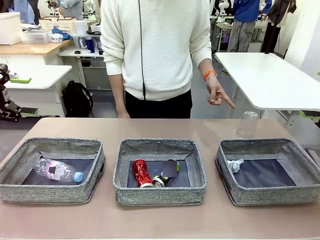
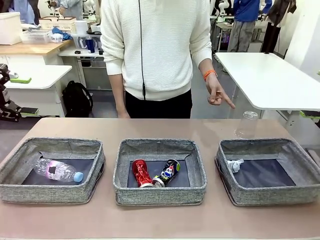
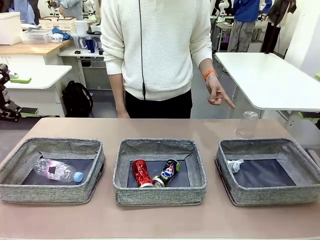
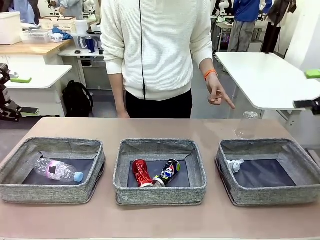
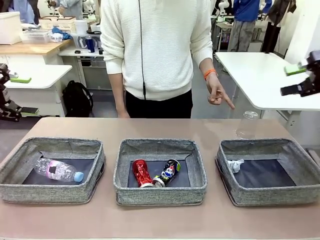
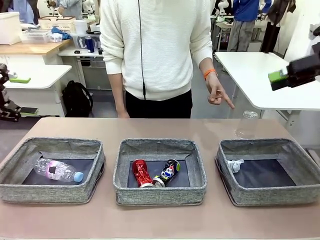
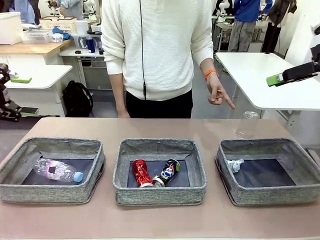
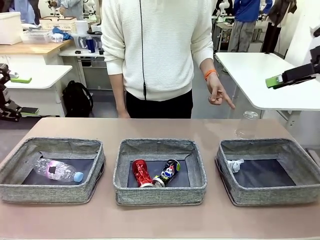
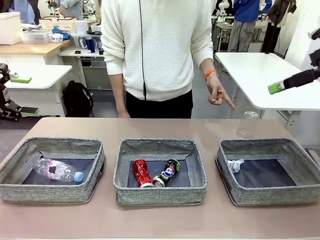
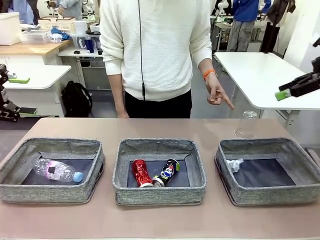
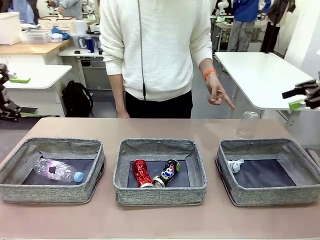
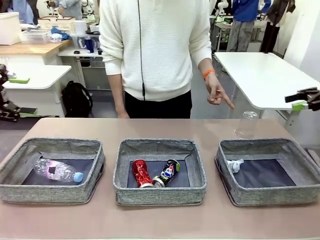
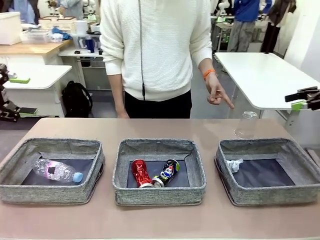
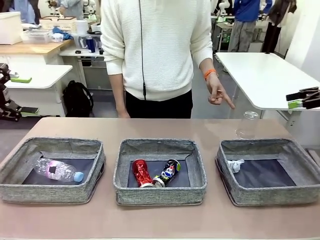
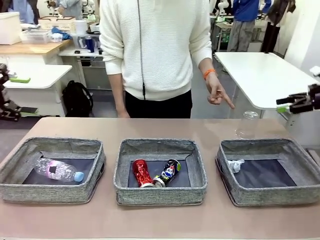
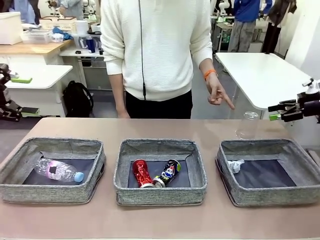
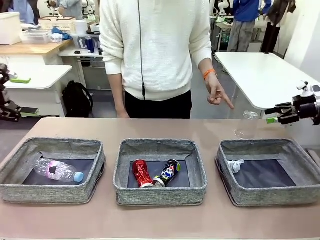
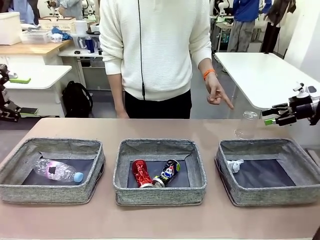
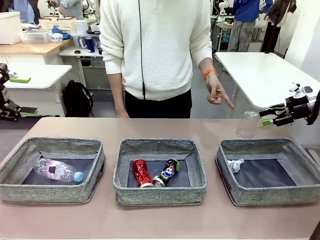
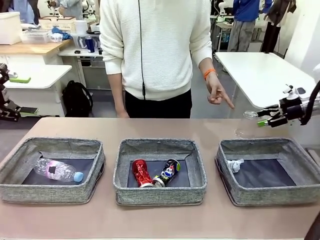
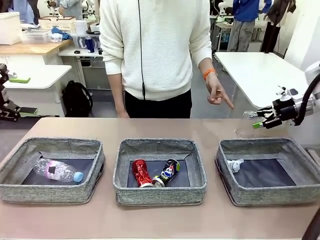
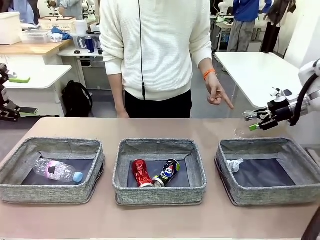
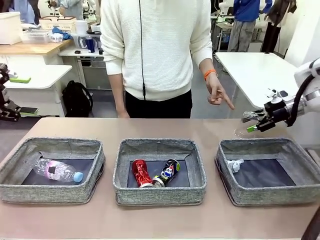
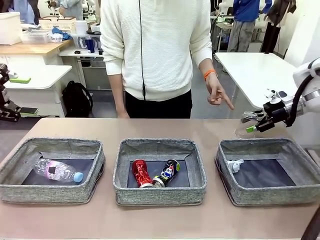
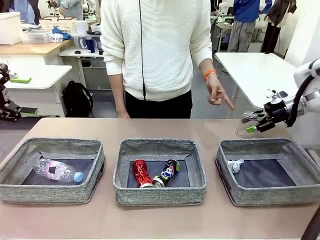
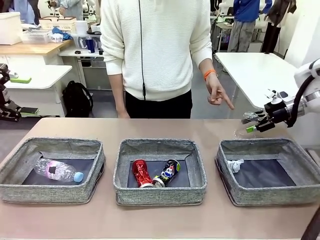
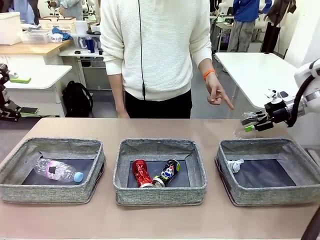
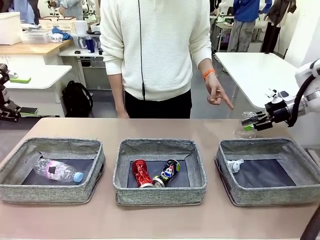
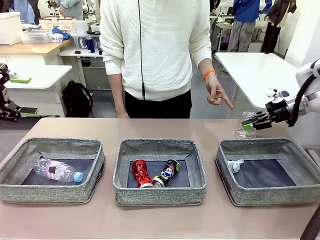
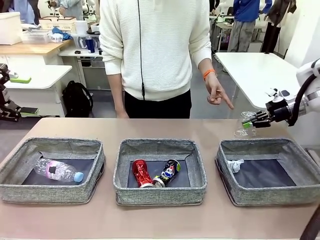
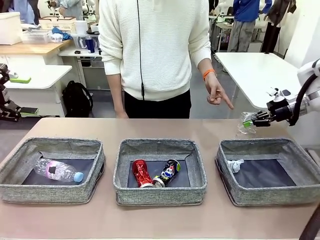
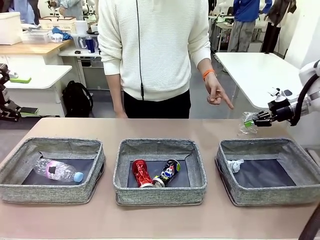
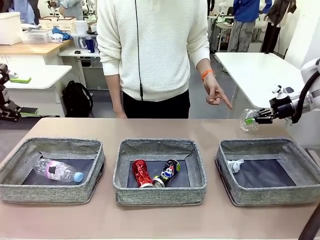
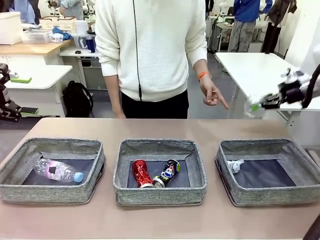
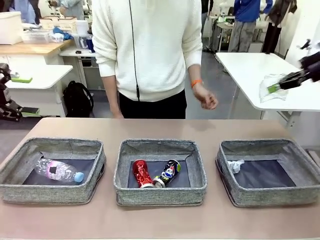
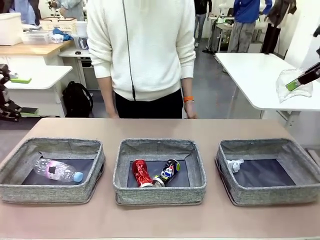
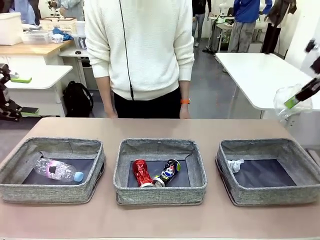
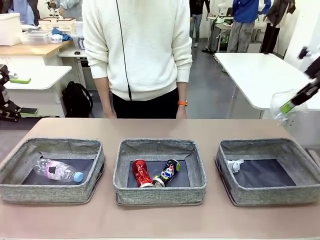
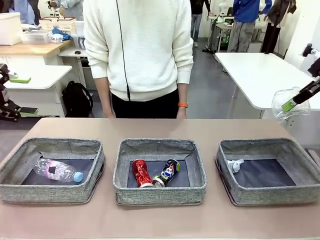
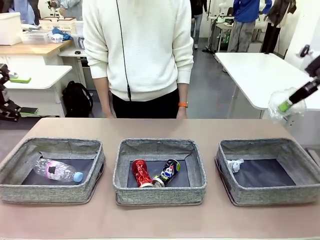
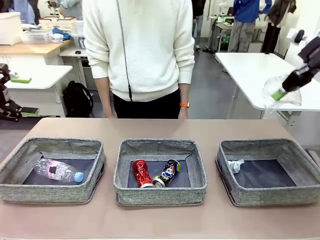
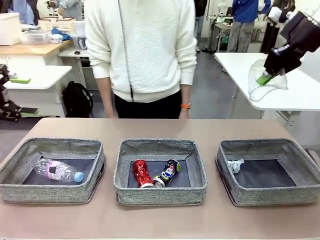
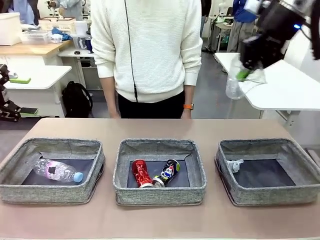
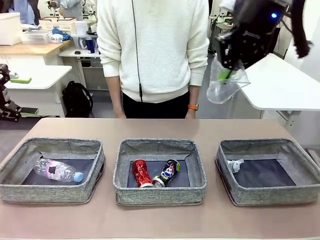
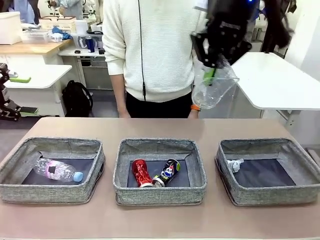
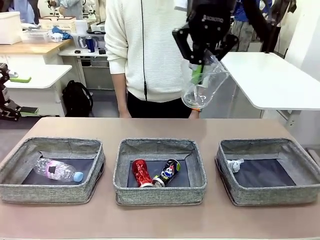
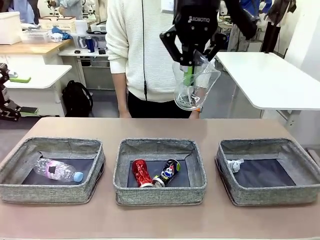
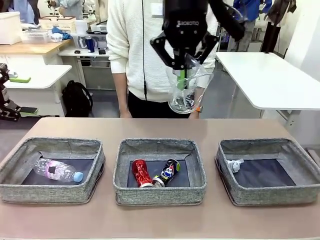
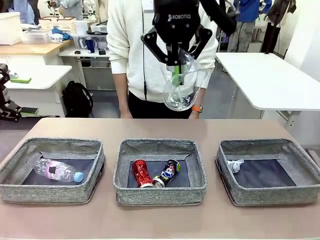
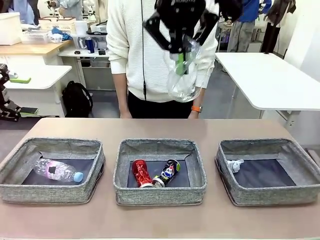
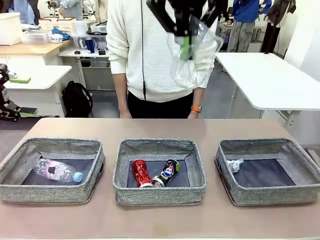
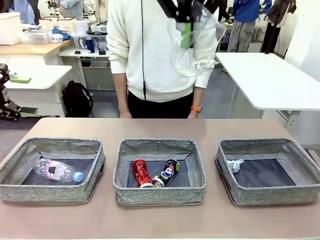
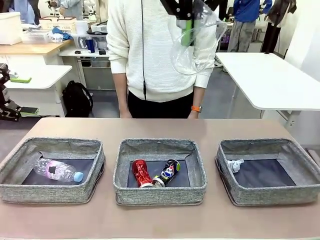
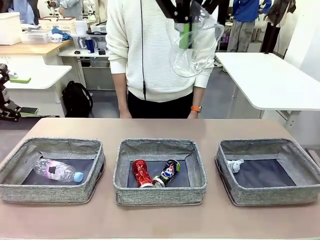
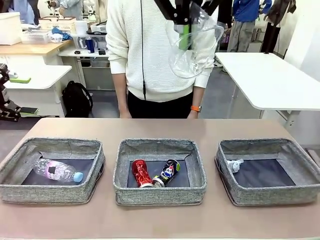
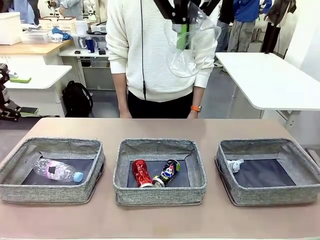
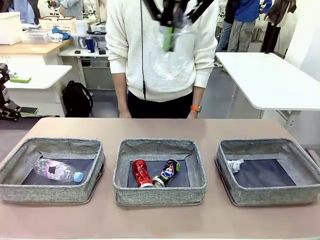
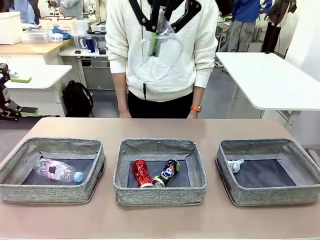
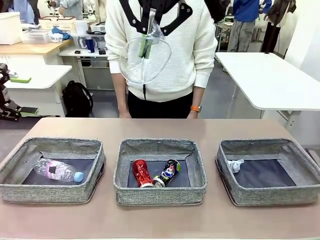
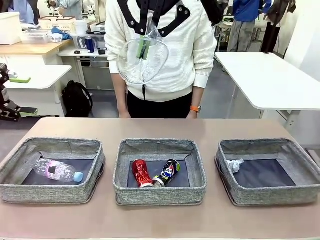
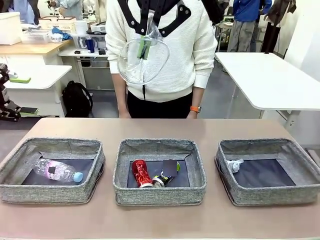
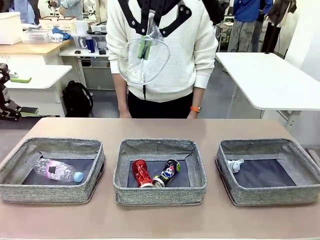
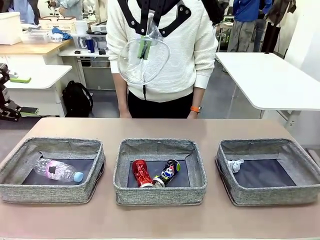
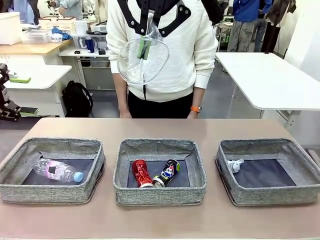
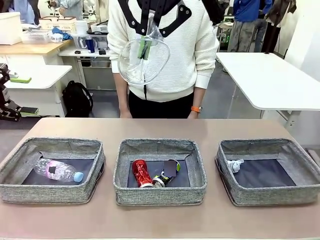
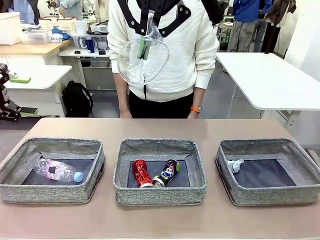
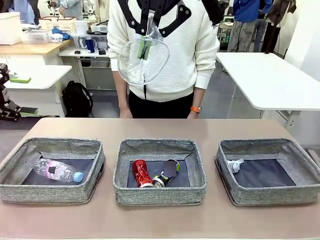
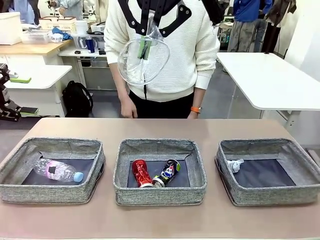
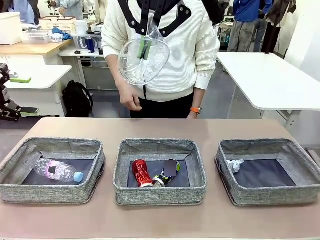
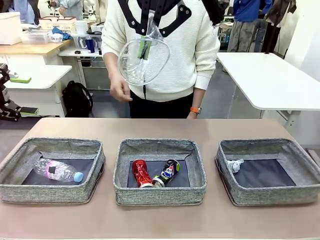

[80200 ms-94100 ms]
Task: Sort the waste into the appropriate baskets.
Robot: Pick up the waste item pointed out by the person.
Person: Points to one piece of trash on the table.

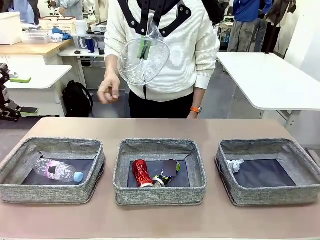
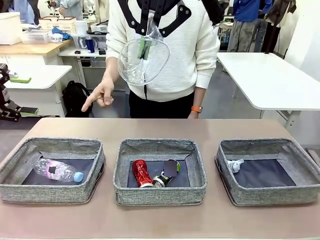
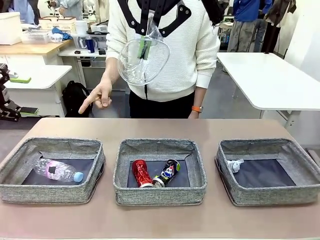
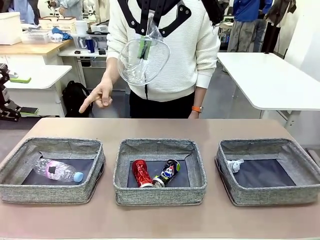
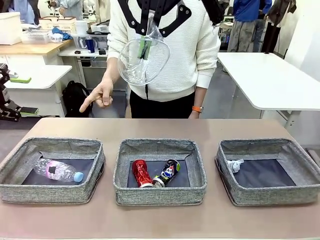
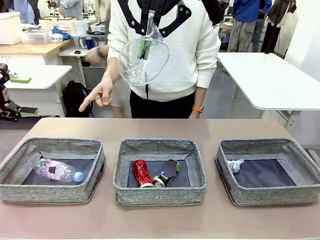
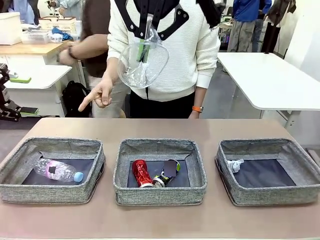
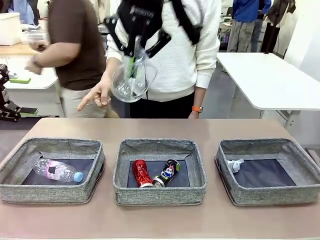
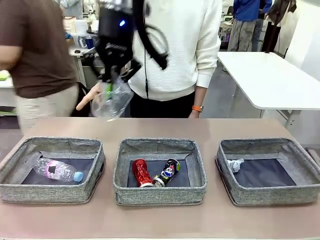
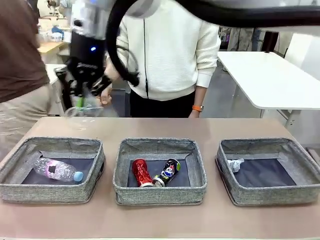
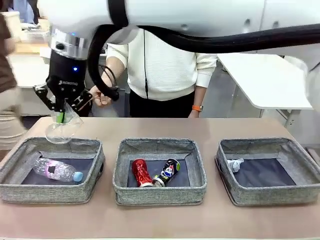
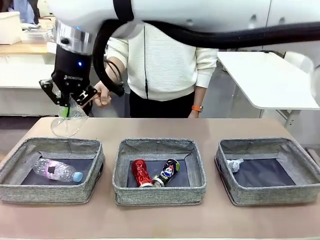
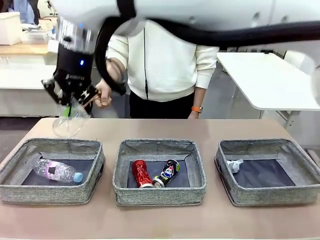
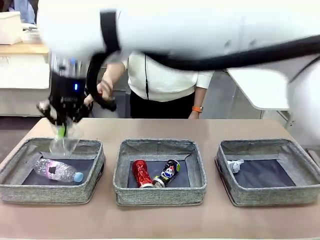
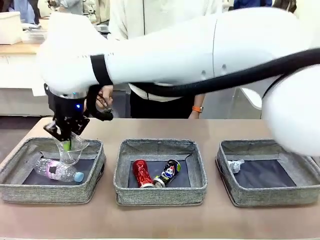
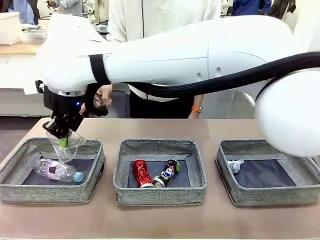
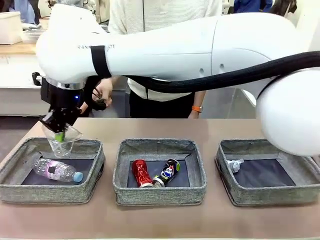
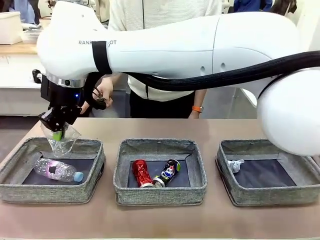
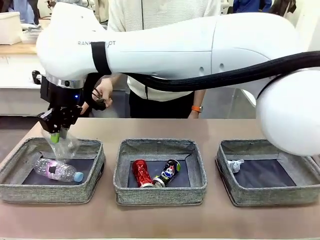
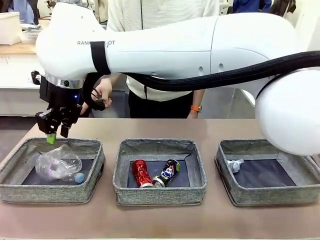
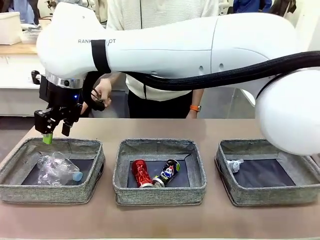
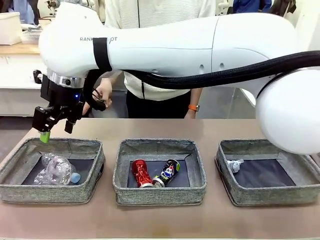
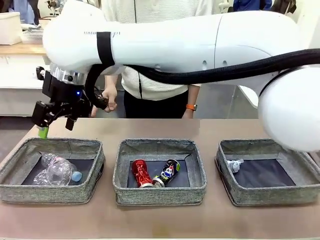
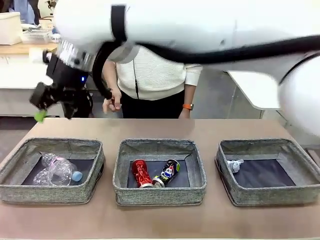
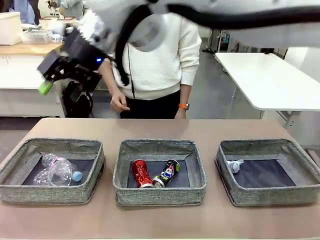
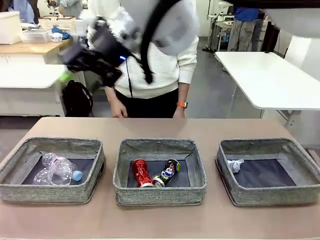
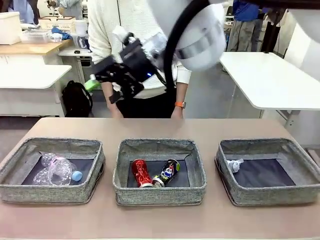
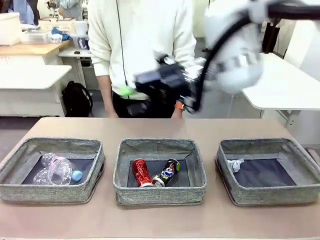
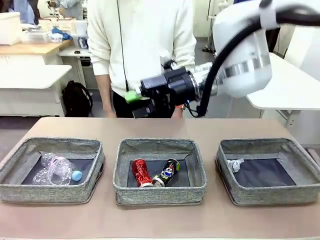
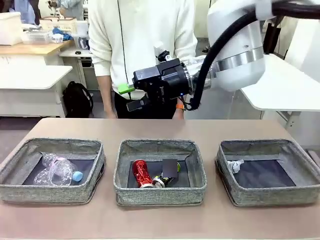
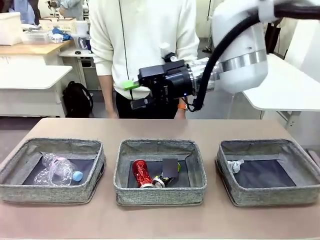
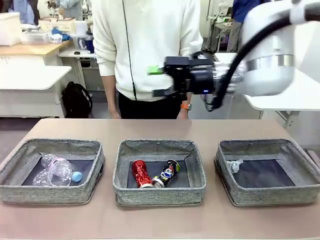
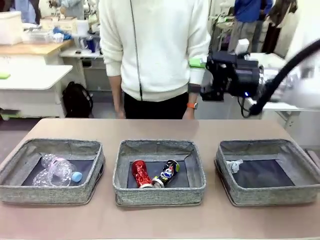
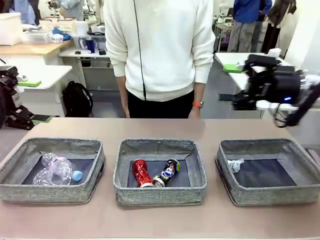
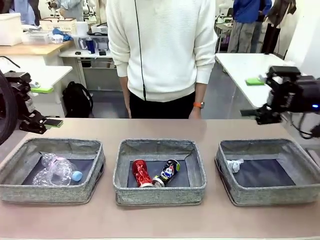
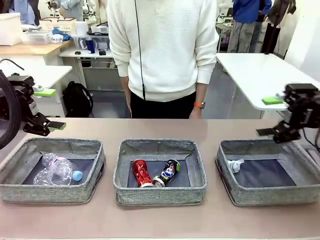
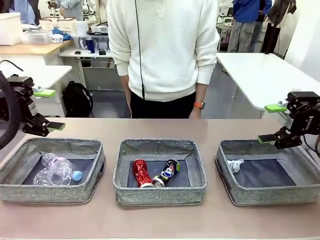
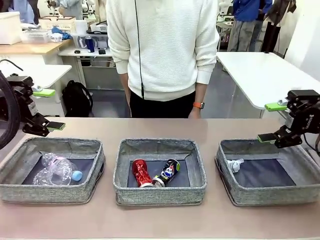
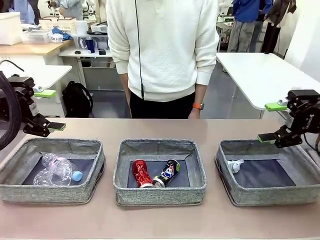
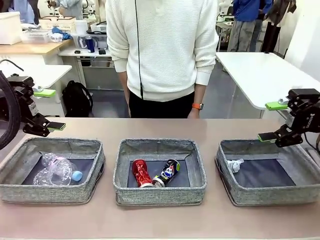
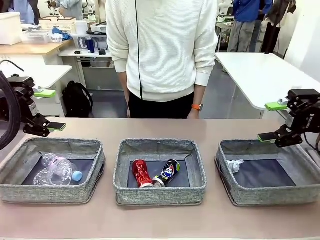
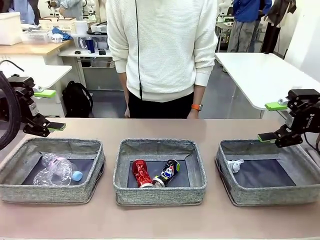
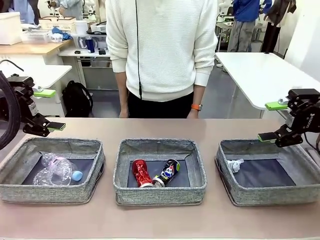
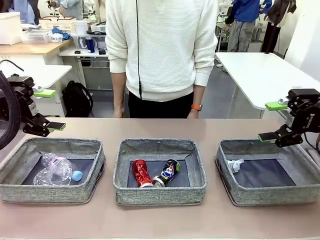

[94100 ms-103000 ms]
Robot: Place the picked waste into the Fabric basket indicated by the person.
Person: Instructs the robot to place the picked-up trash into the appropriate organizing basket.
